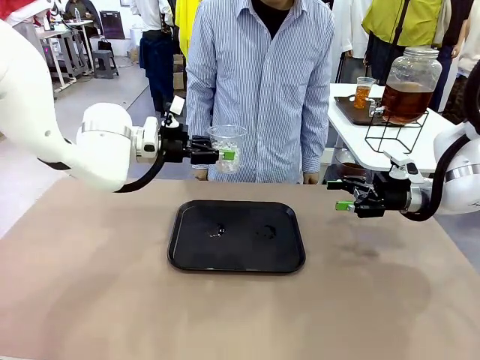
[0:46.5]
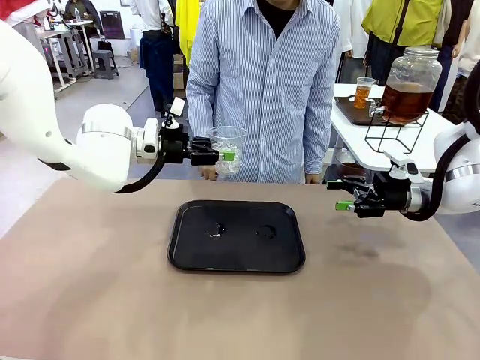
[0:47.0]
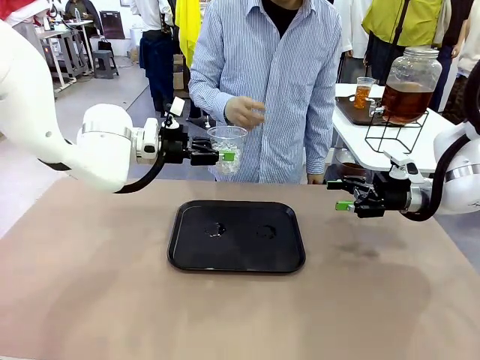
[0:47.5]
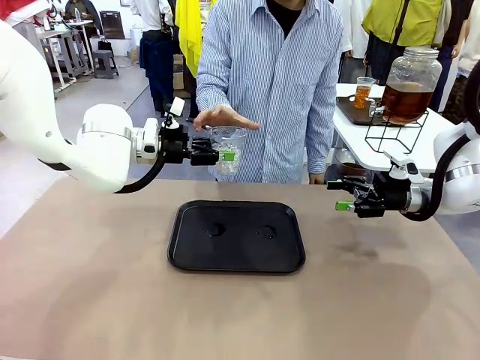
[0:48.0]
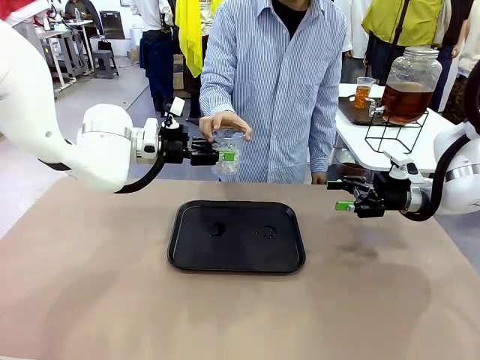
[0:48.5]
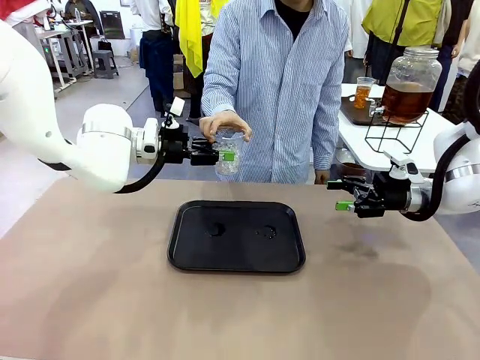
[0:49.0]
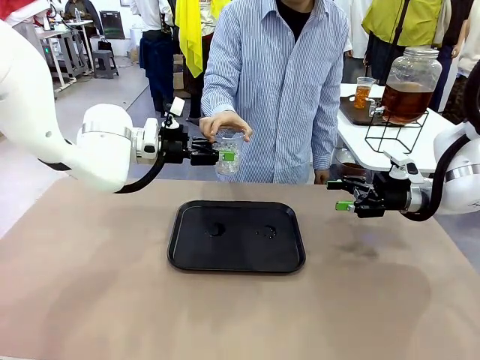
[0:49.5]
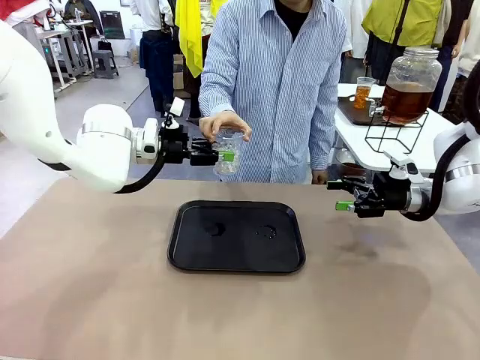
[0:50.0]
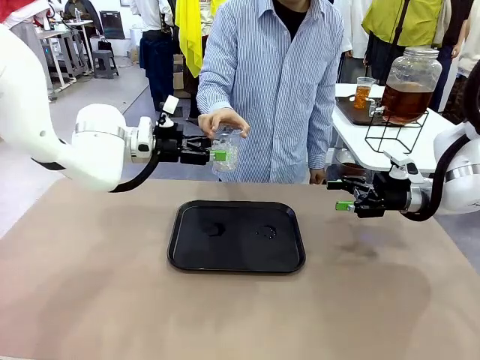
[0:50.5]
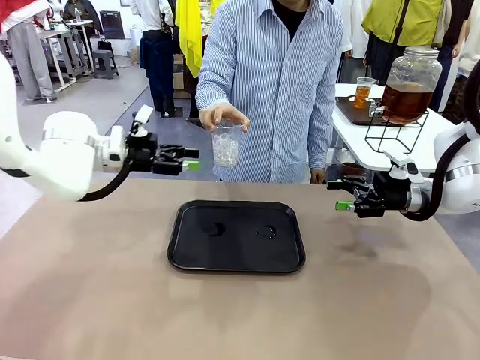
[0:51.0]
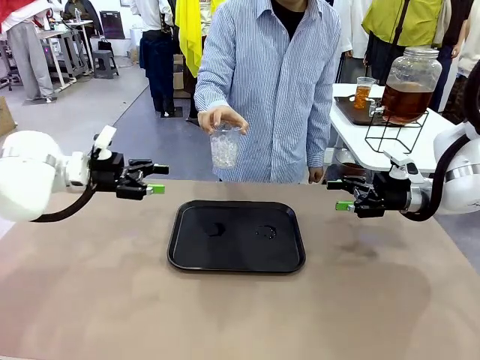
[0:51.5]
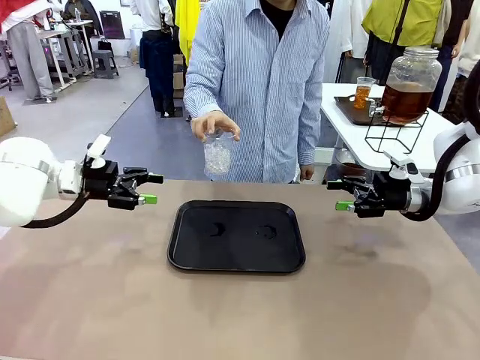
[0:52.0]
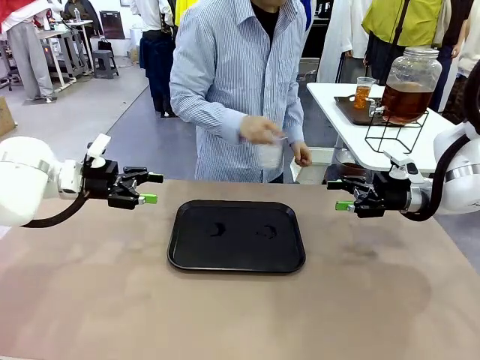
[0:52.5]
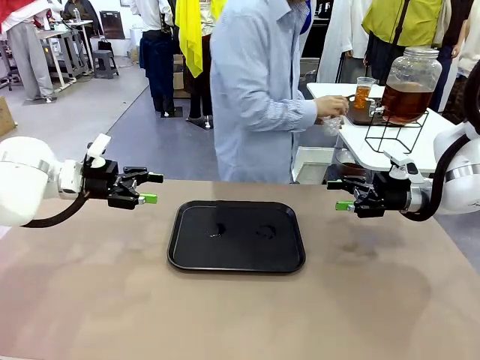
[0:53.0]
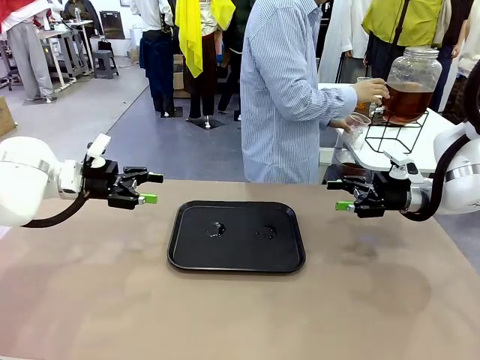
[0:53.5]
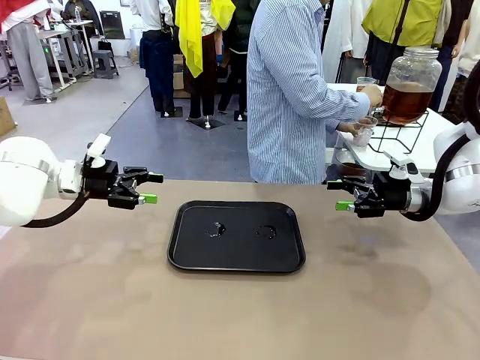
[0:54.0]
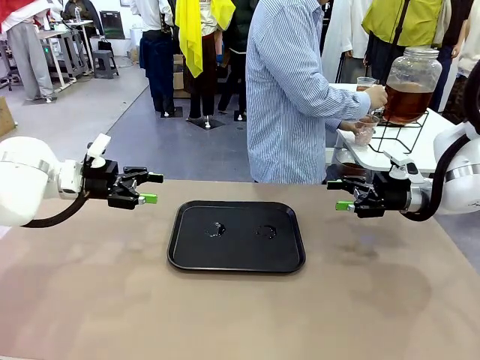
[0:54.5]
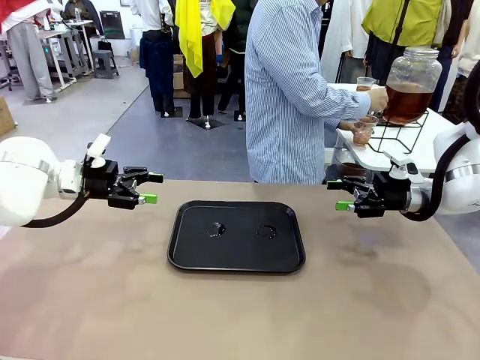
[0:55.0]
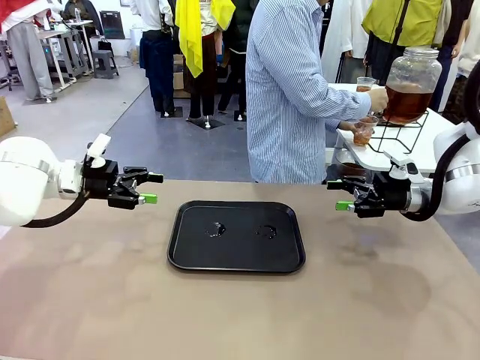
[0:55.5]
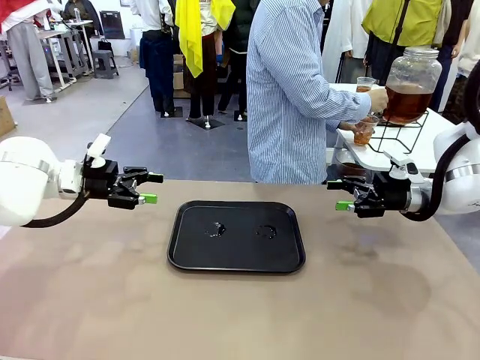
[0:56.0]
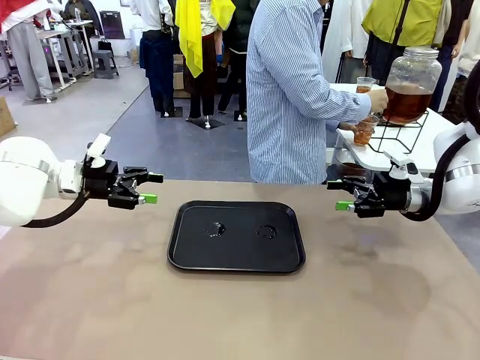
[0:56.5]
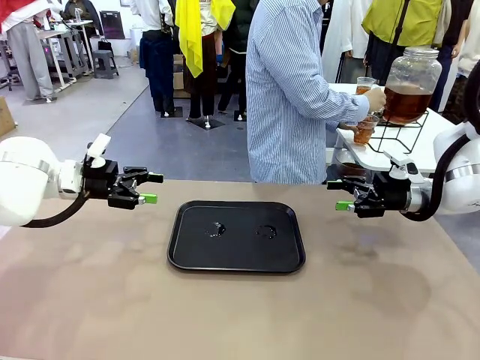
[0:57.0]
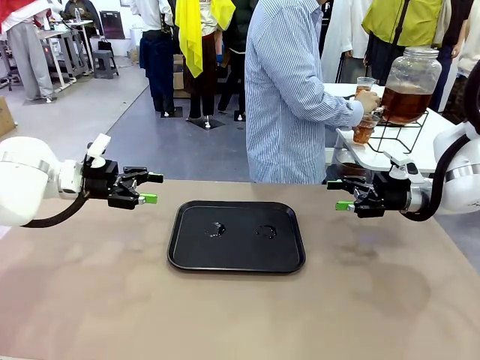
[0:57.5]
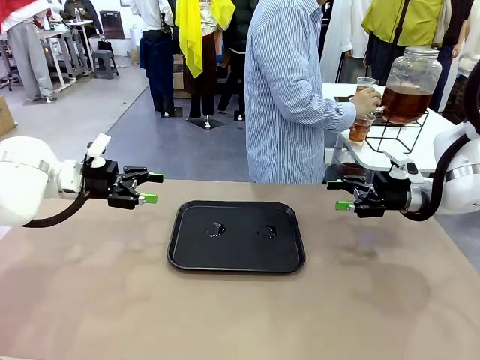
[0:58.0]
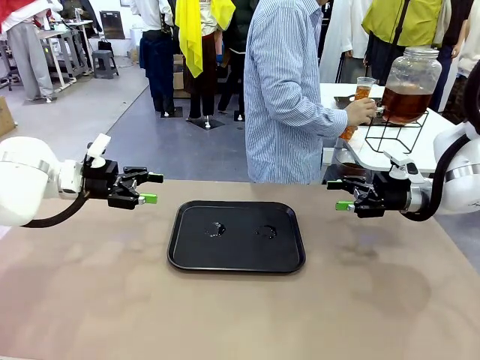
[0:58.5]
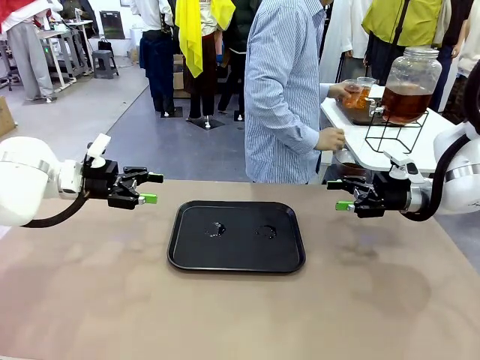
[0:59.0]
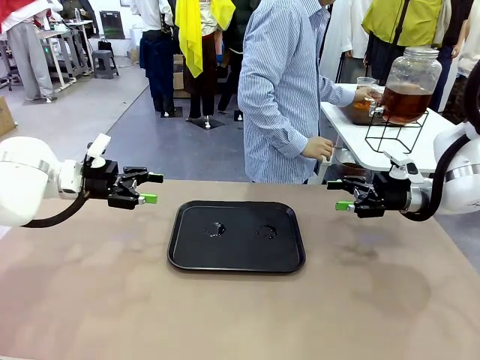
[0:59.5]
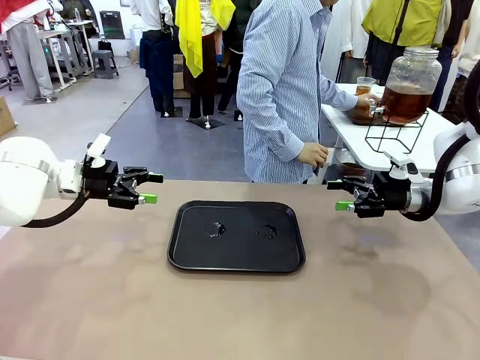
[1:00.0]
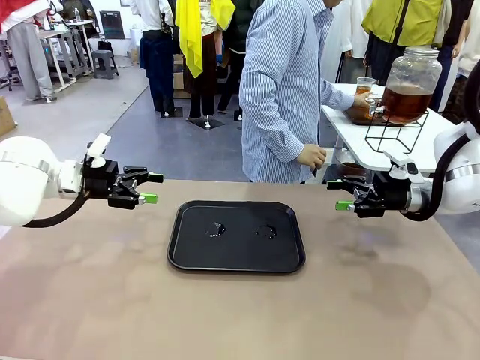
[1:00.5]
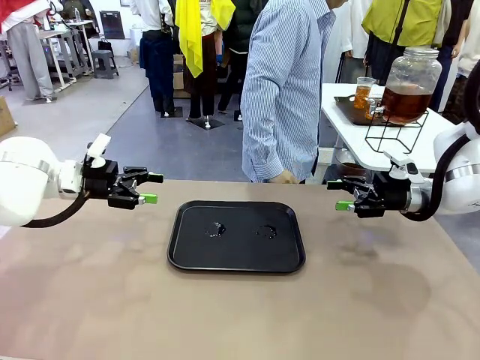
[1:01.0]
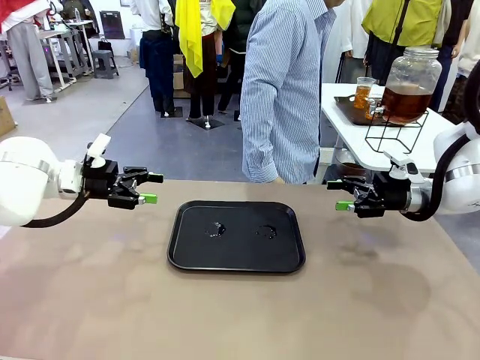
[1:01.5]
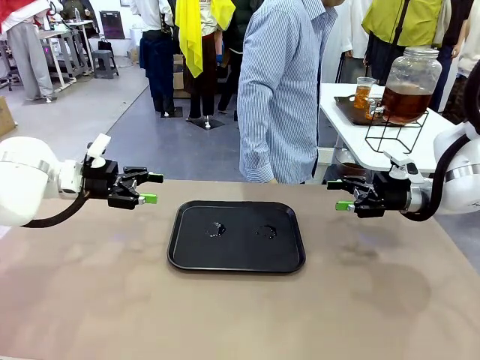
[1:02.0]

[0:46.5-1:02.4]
Task: Pour the drink into the iced cup.
Robot: Open the gripper to release the iced cup you were holding.
Person: Move the picked-up cup under the dispenser faucet, pour the drink, and place it on the tray on the human table.

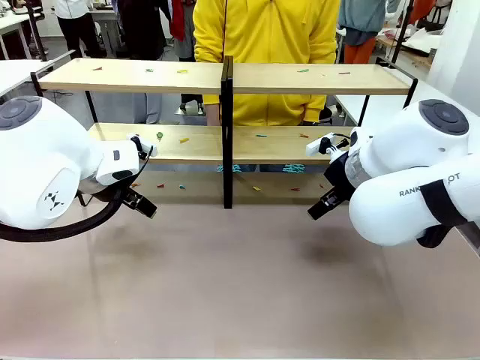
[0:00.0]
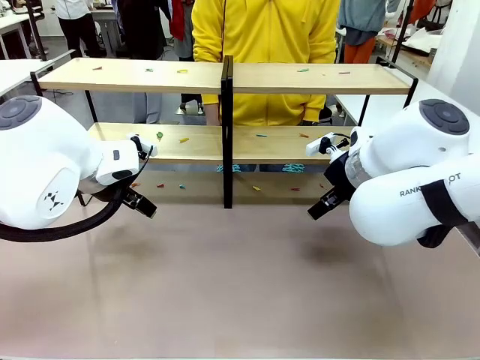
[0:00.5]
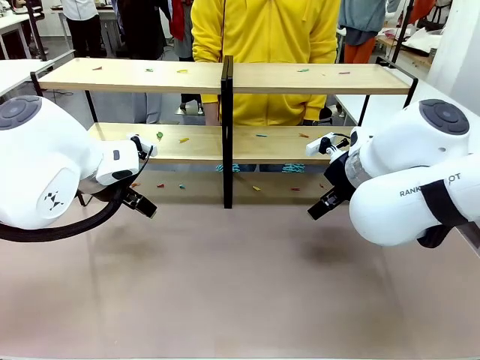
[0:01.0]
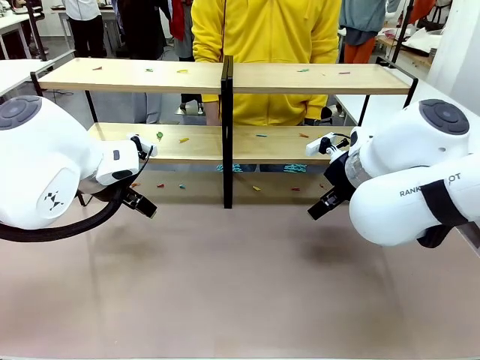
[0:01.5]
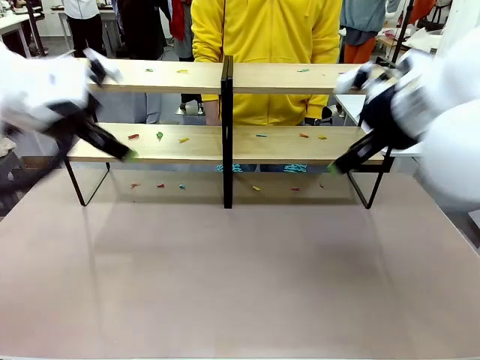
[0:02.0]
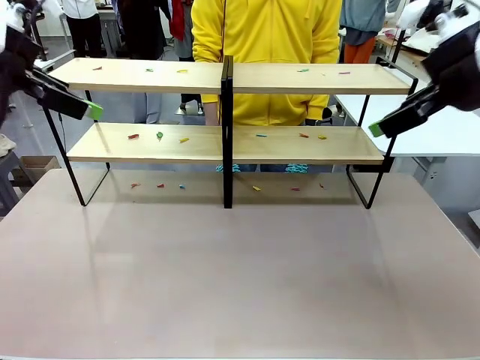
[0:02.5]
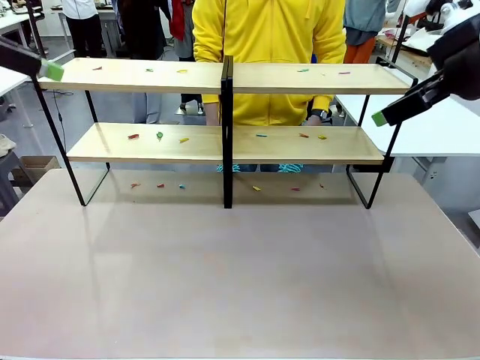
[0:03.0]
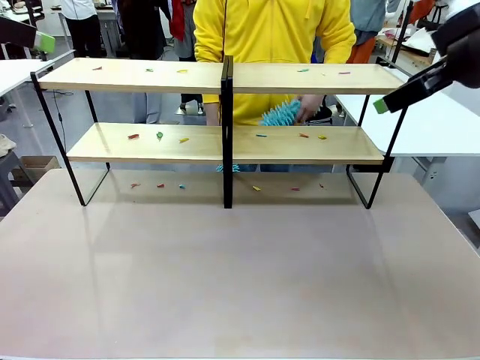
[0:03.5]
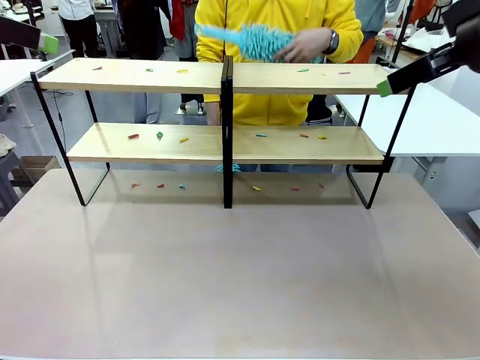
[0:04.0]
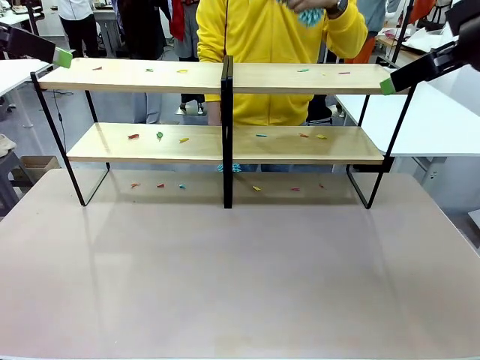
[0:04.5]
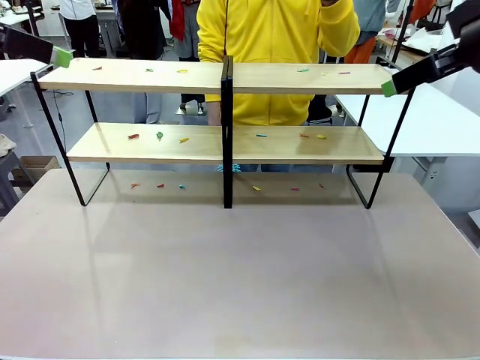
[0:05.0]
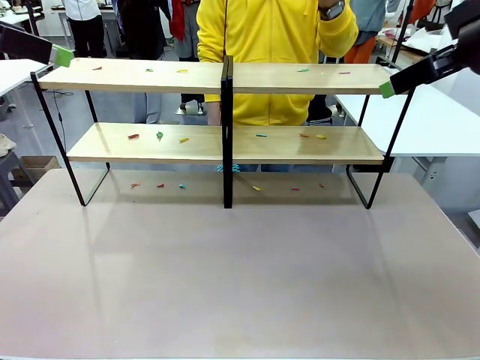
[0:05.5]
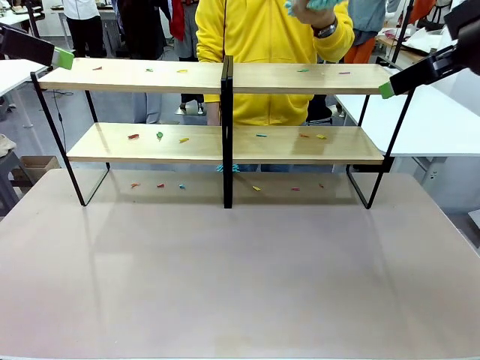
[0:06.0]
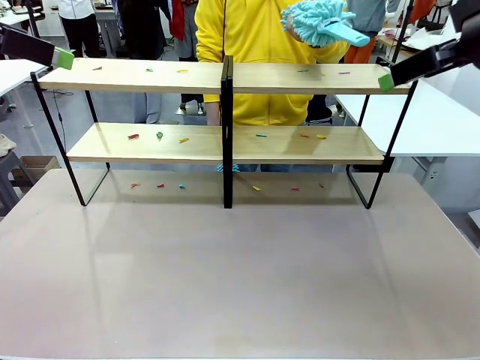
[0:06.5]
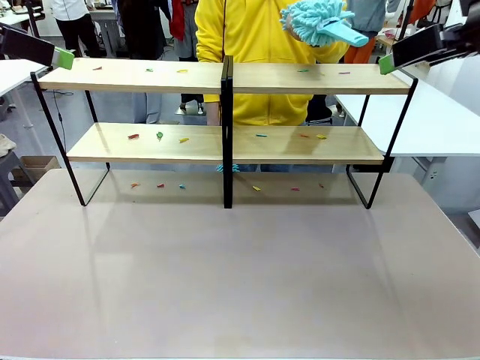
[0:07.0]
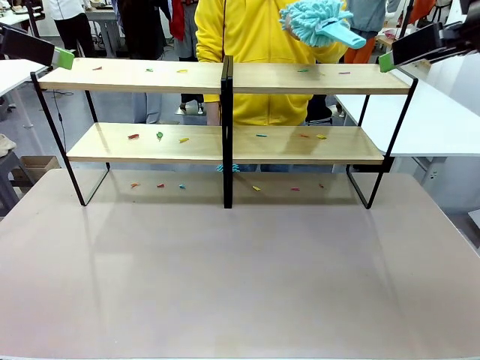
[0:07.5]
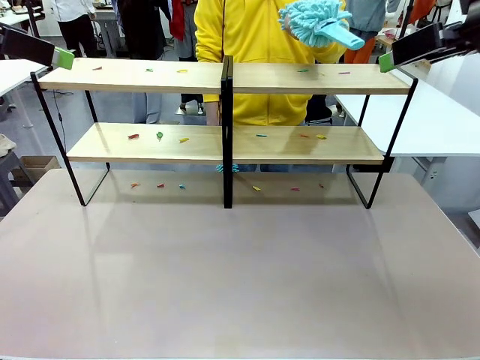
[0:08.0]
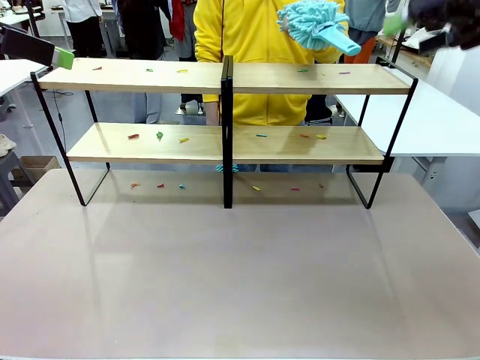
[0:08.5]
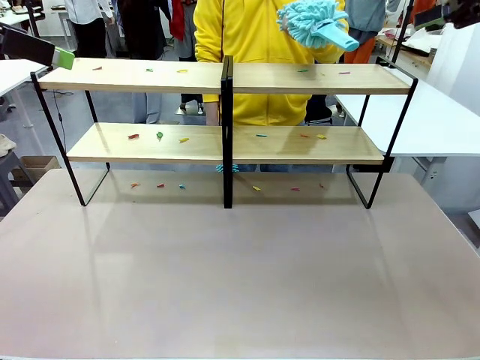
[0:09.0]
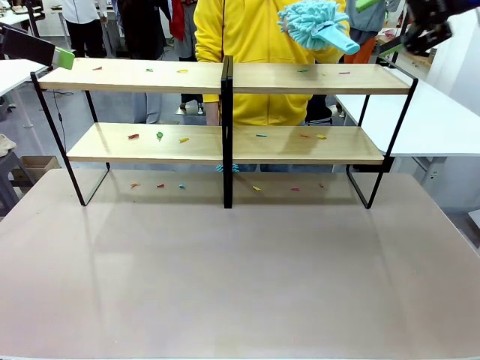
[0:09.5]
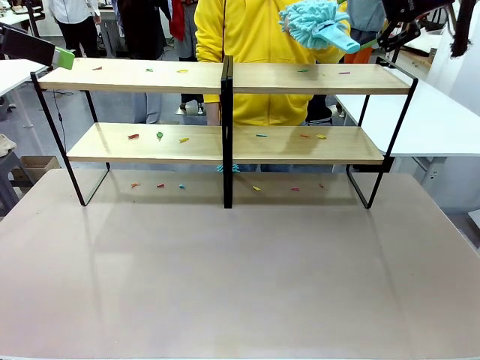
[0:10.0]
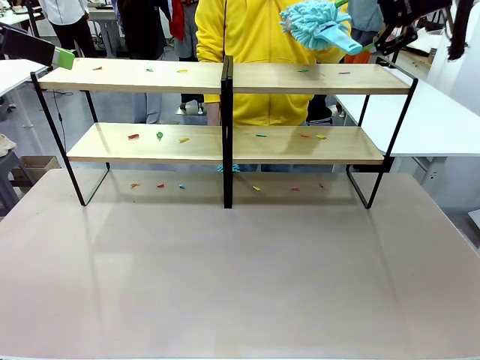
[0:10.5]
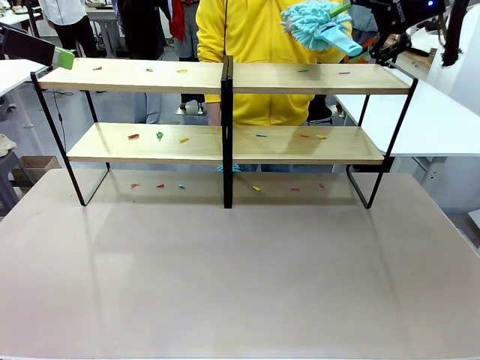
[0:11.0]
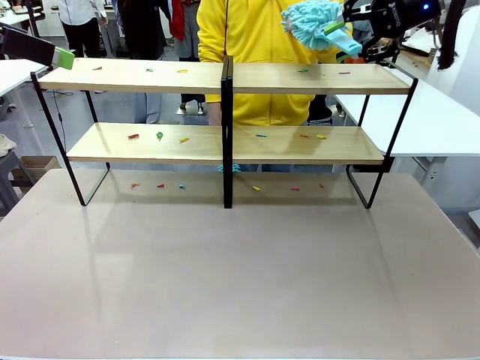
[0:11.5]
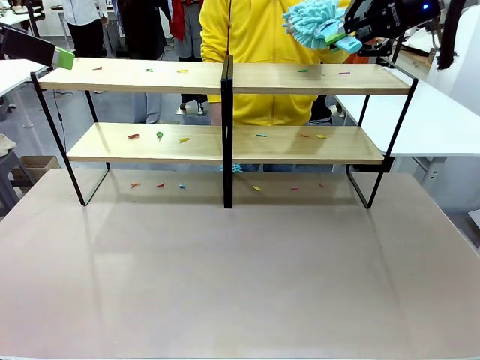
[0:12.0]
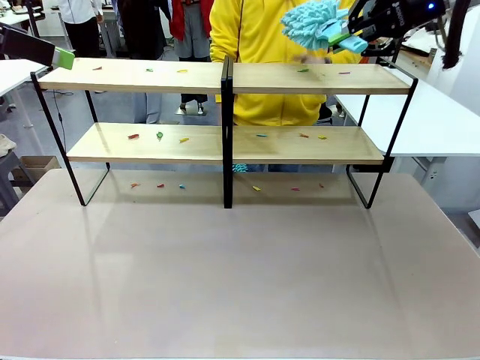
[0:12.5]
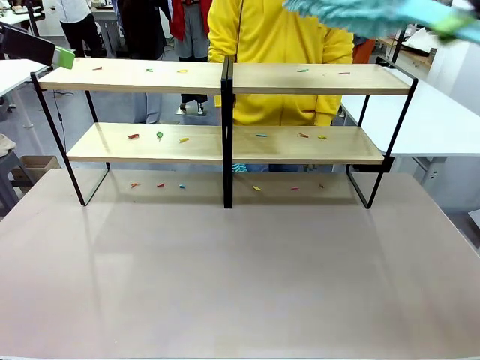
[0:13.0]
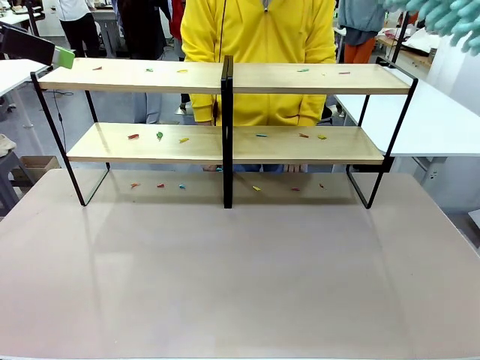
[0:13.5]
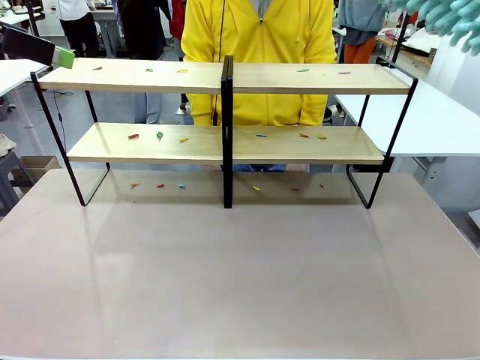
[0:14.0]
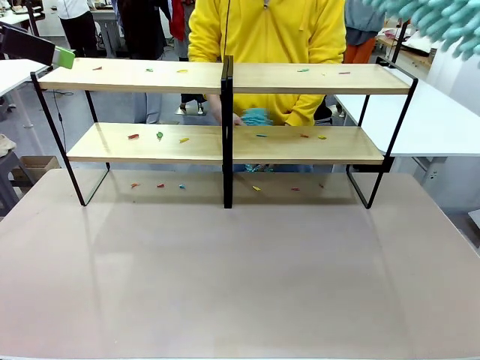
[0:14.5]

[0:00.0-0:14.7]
Task: Clean the shelves.
Robot: Pick up the Duster when the human hands it over.
Person: Hand the Duster to the robot with your right (or left) hand.
